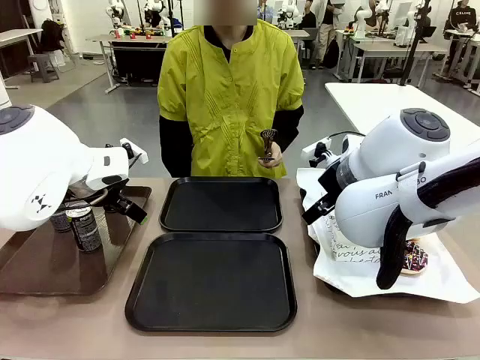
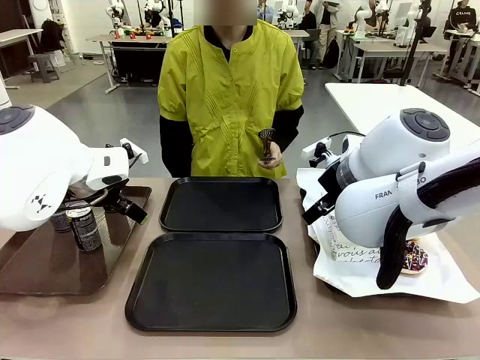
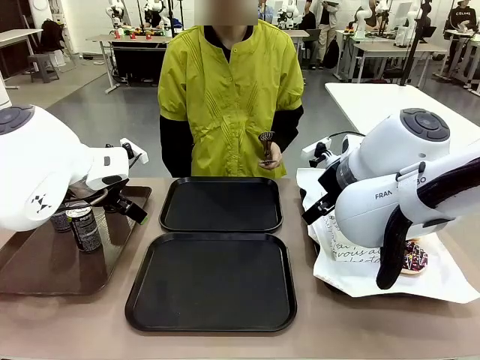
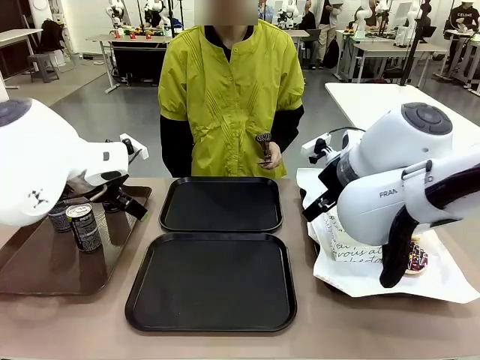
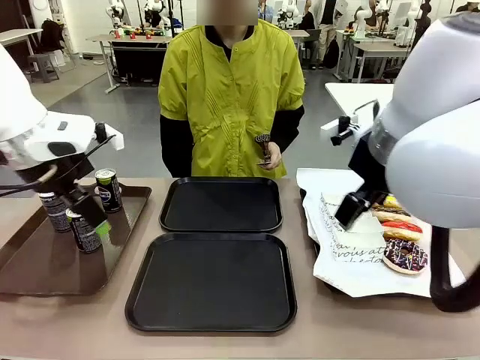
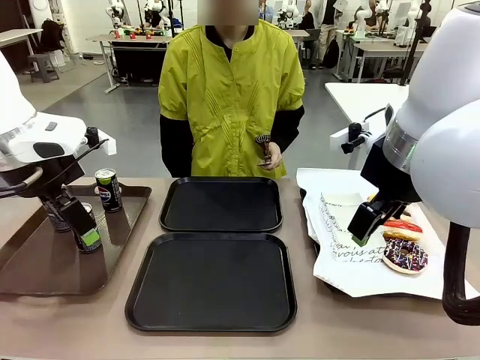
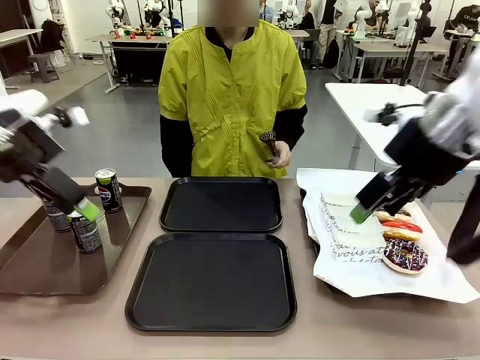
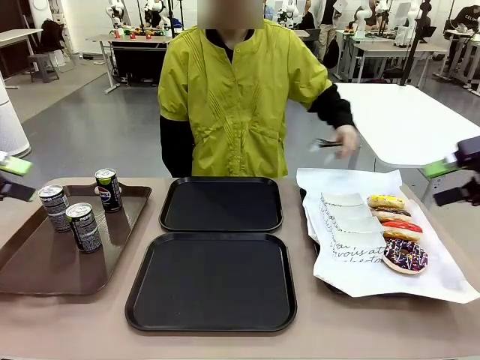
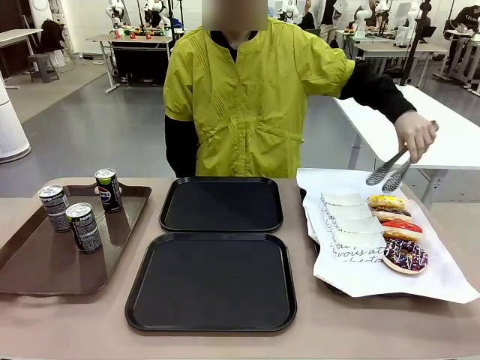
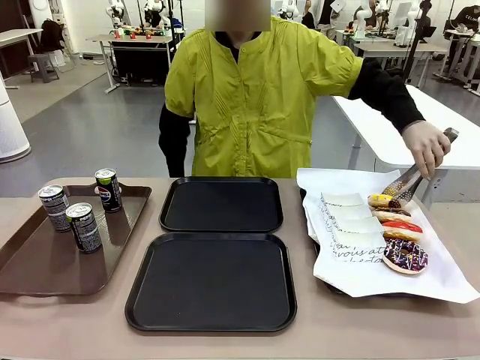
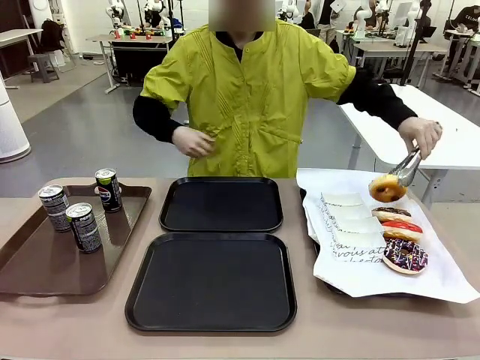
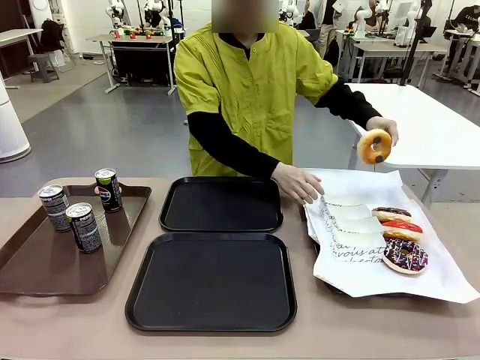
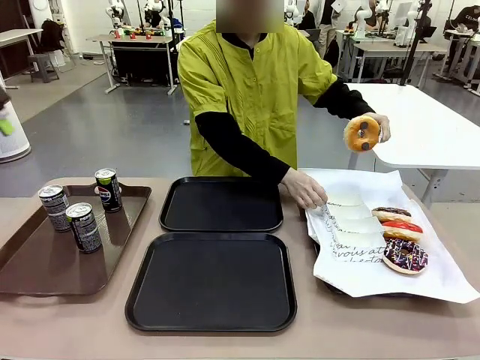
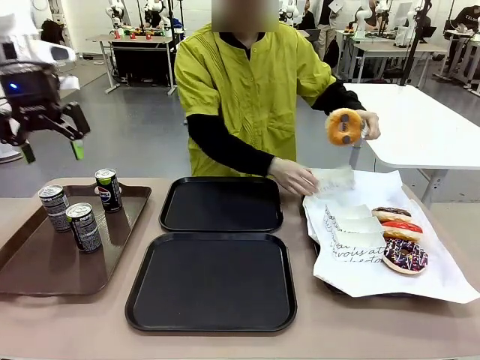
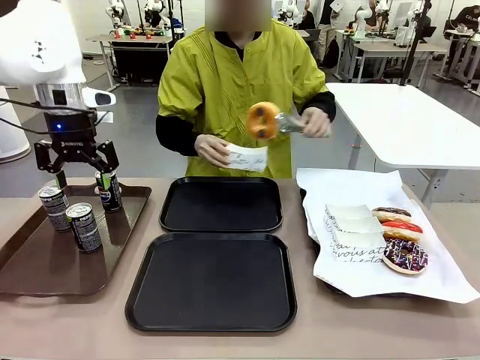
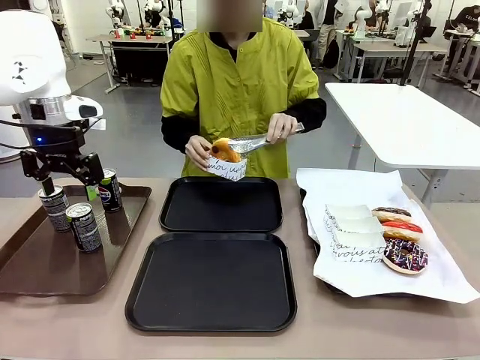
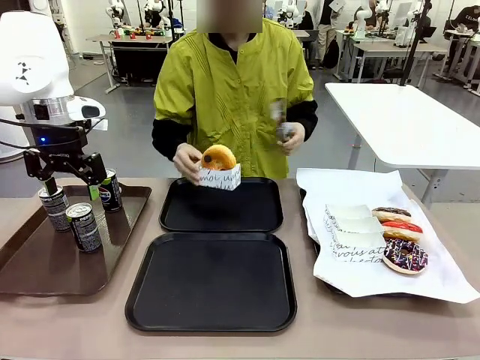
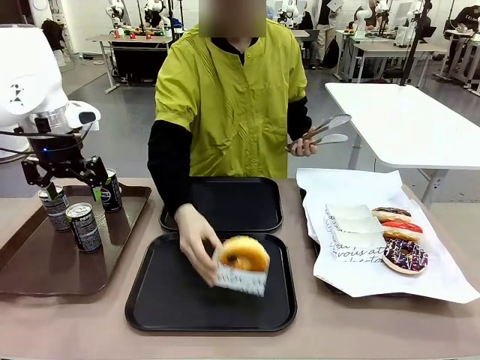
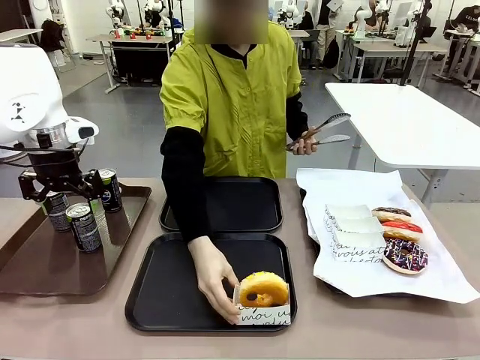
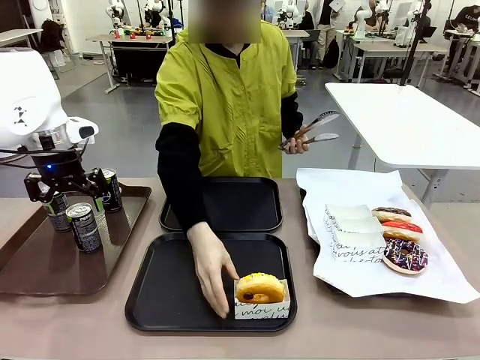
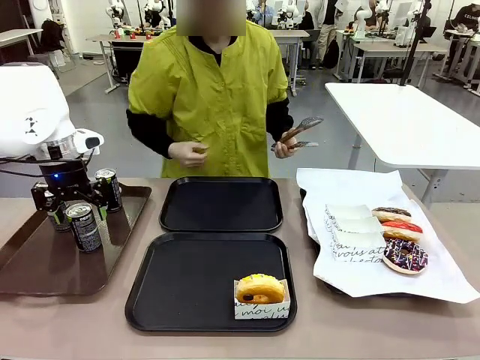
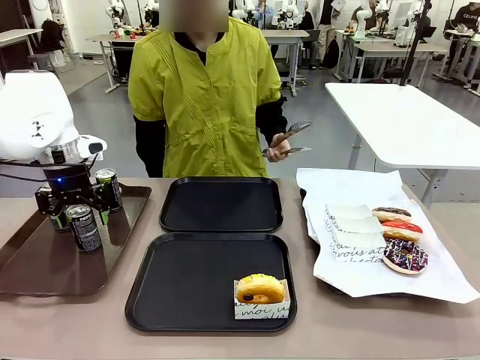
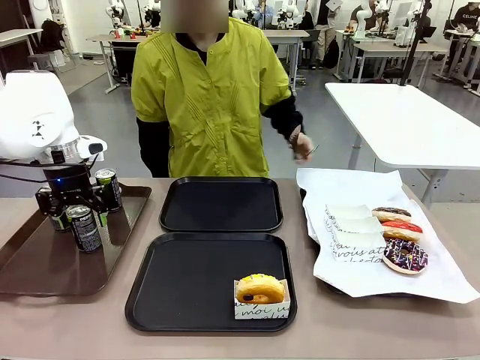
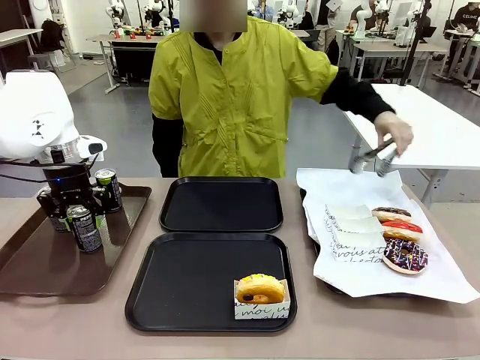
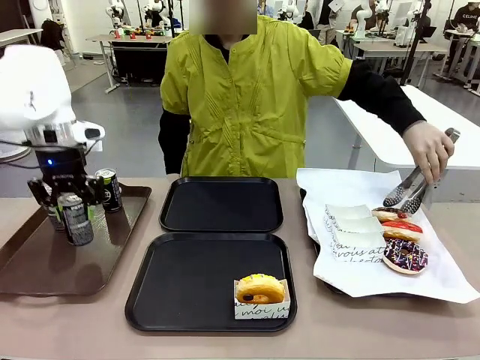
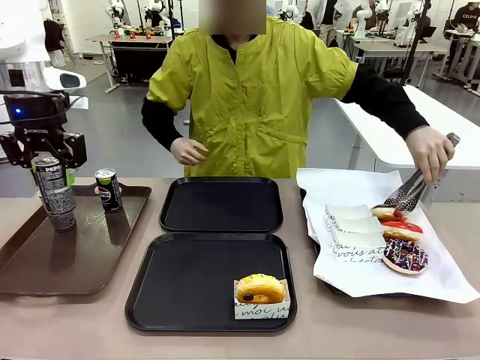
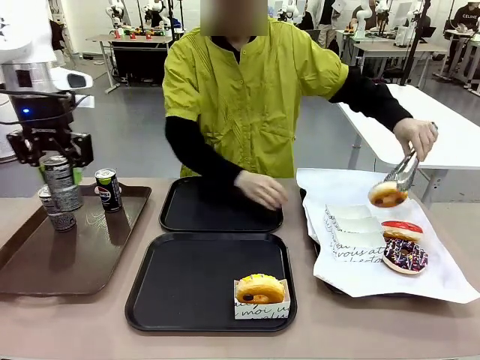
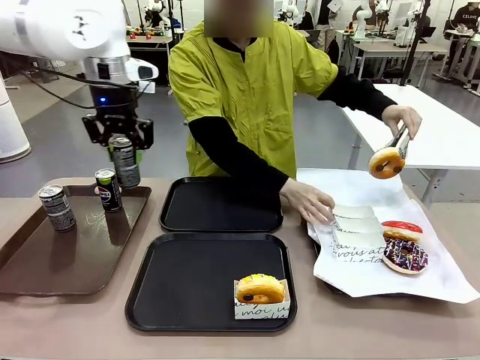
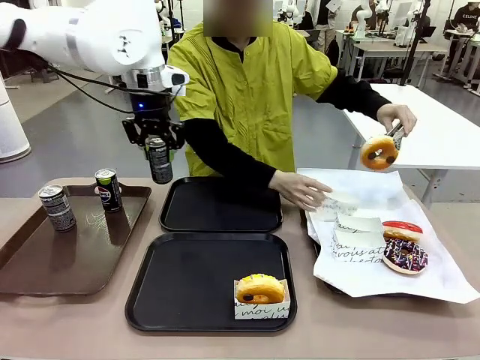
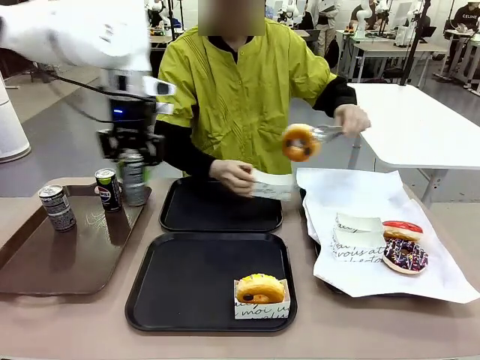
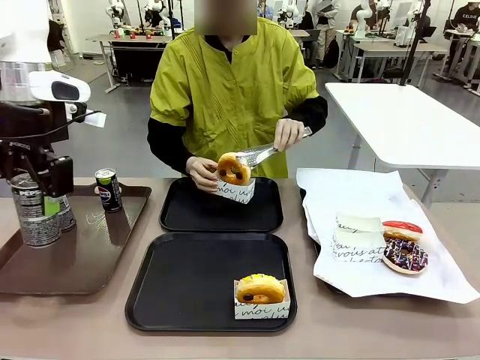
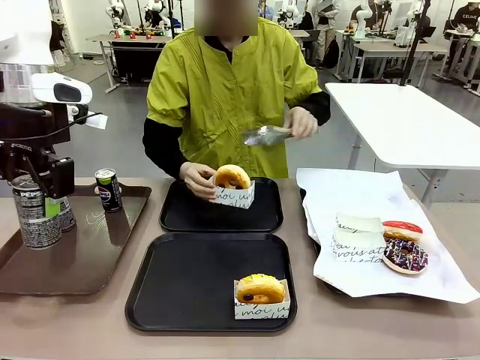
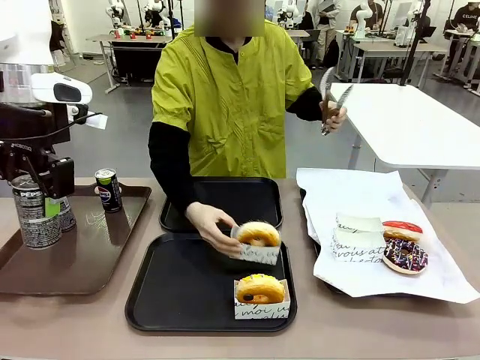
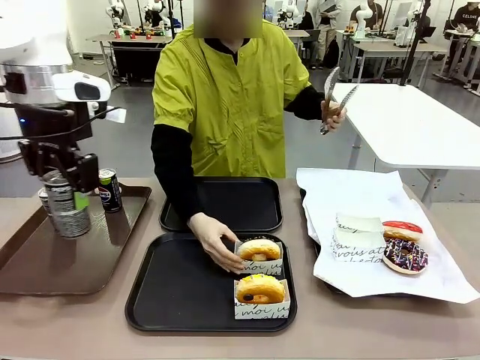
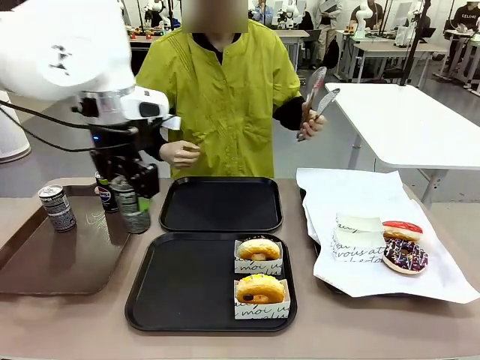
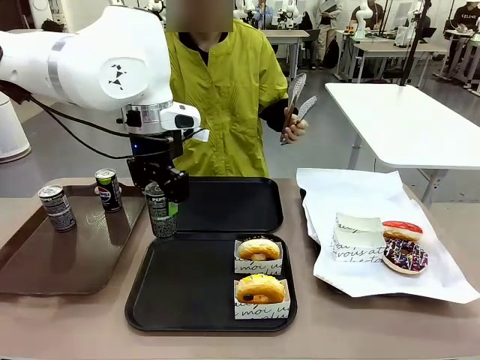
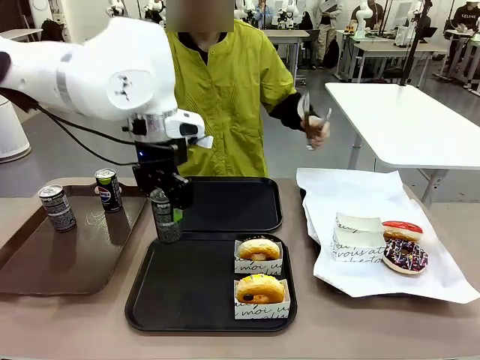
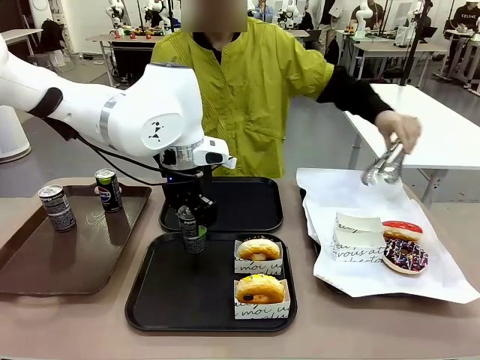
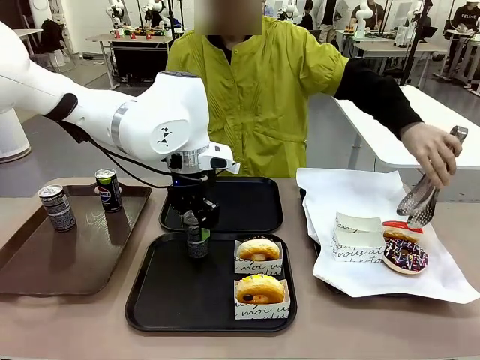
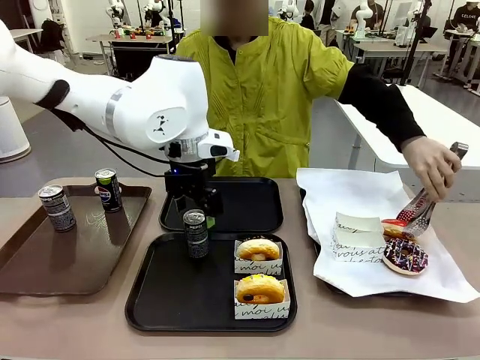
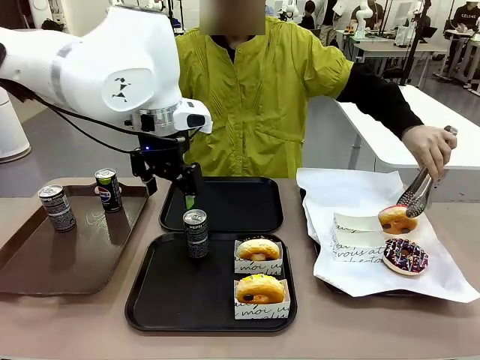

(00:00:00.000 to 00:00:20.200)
Task: Set up donuts and drinks on trays.
Robot: Pick up one Pepsi coke and place it on the Flat Tray.
